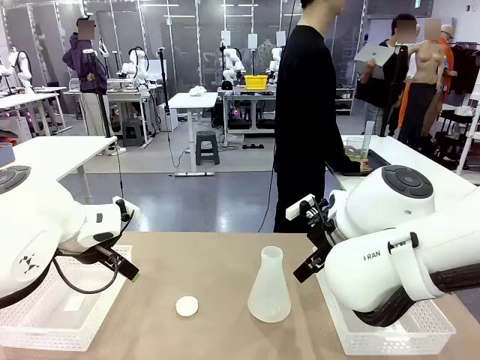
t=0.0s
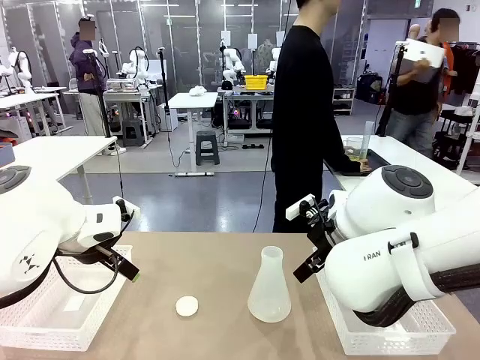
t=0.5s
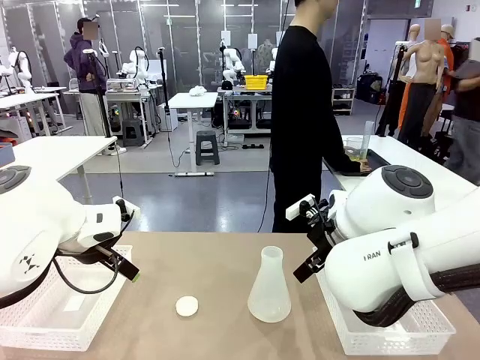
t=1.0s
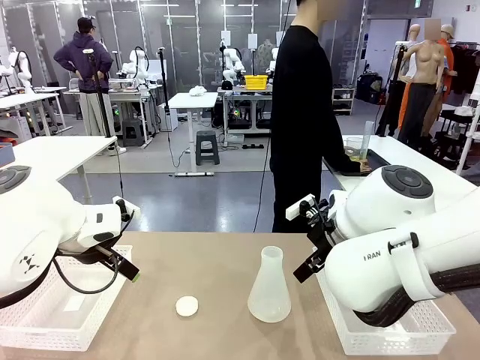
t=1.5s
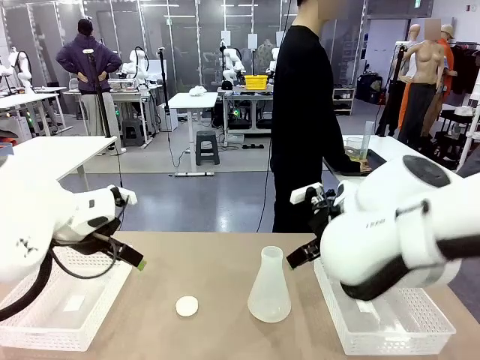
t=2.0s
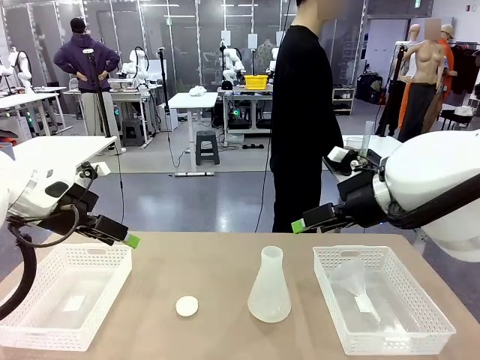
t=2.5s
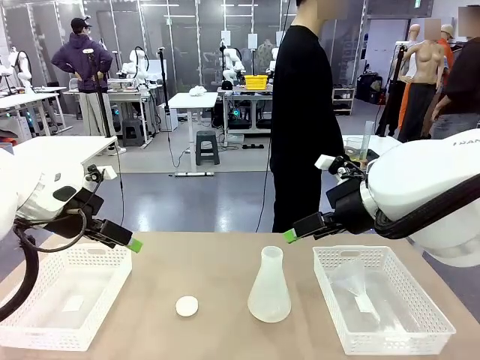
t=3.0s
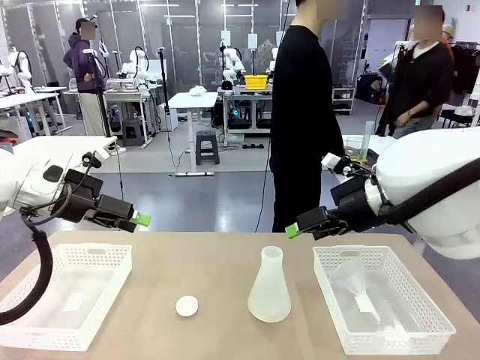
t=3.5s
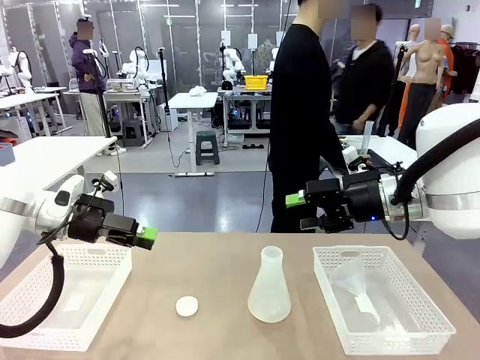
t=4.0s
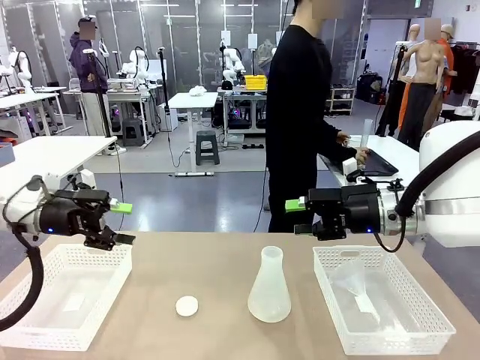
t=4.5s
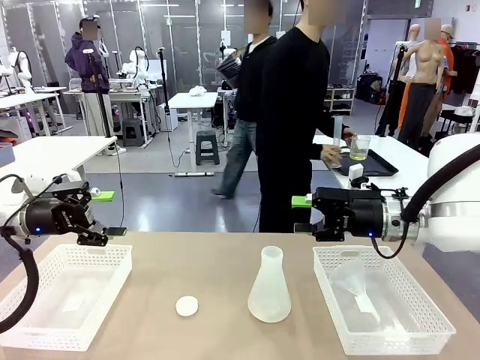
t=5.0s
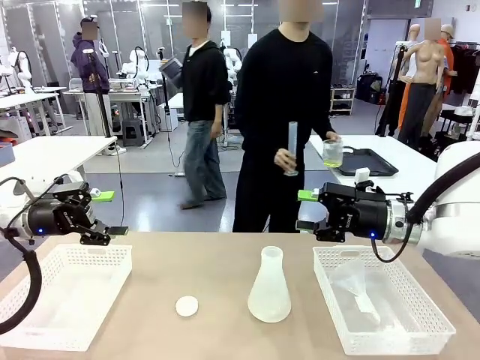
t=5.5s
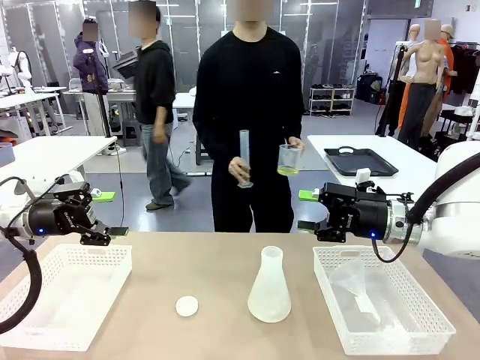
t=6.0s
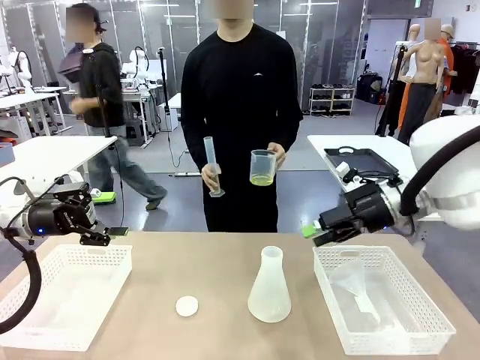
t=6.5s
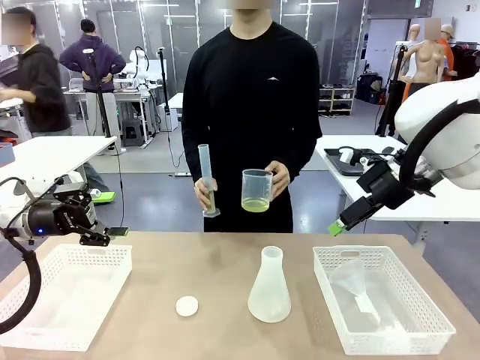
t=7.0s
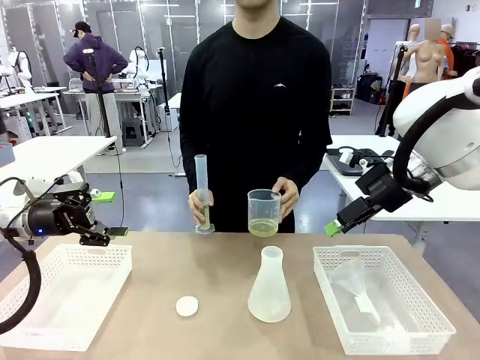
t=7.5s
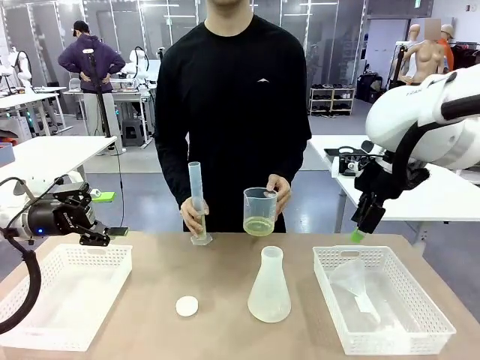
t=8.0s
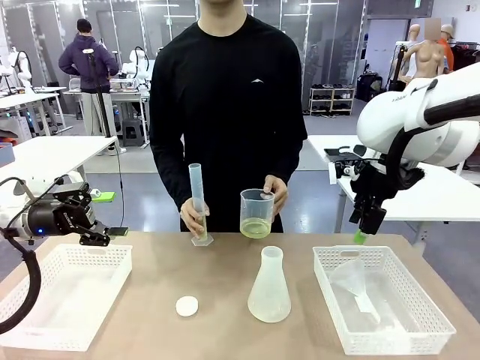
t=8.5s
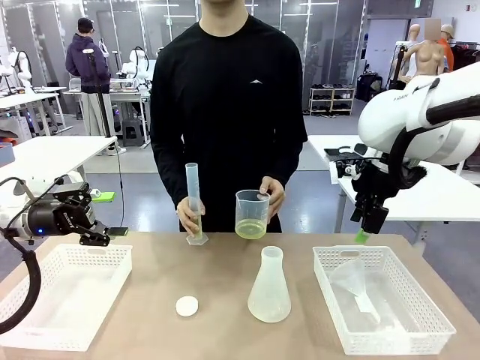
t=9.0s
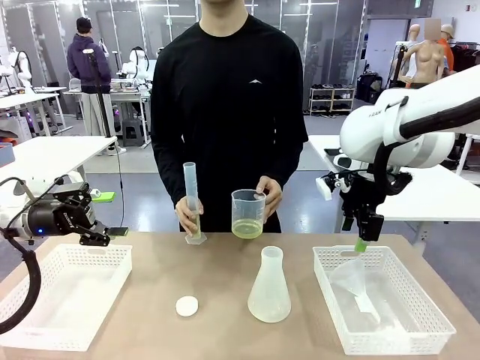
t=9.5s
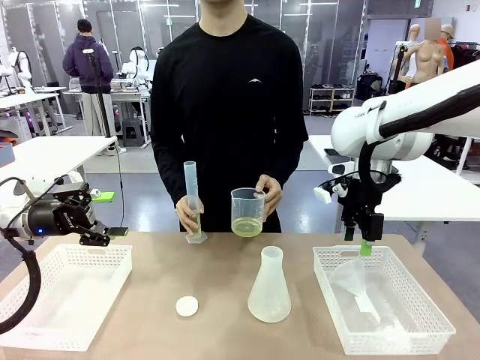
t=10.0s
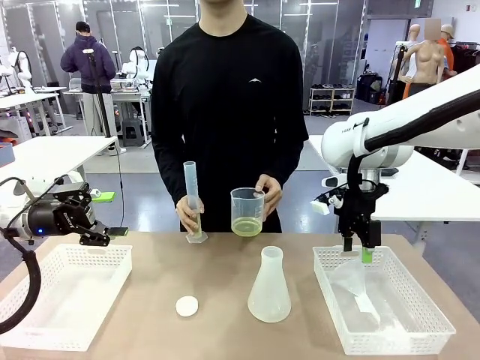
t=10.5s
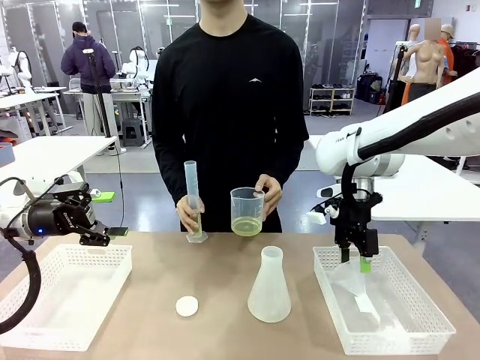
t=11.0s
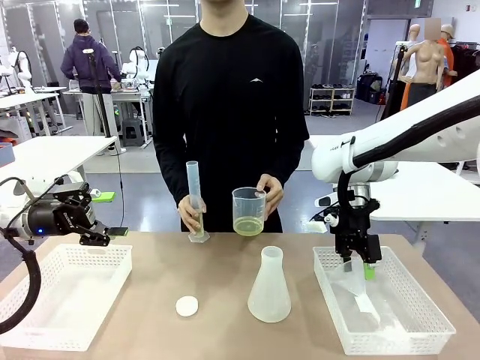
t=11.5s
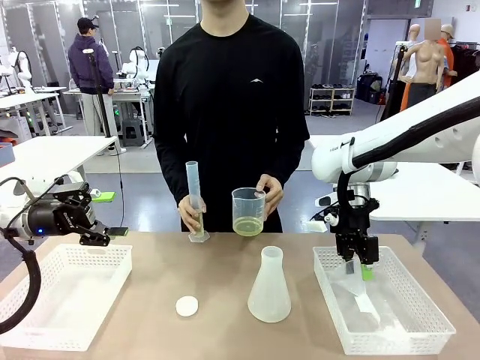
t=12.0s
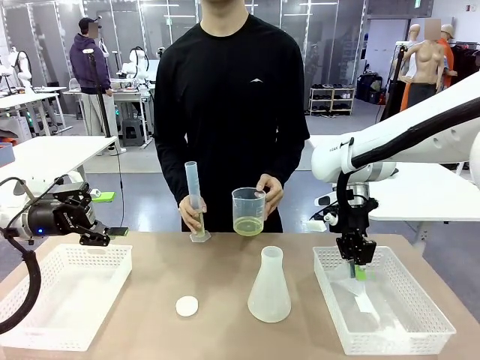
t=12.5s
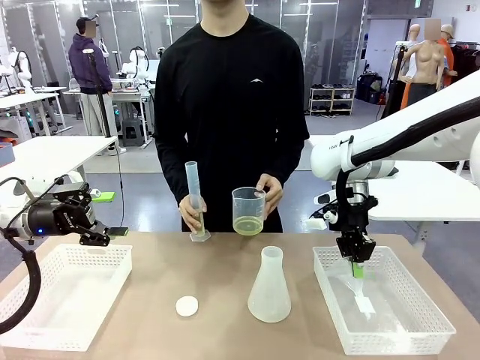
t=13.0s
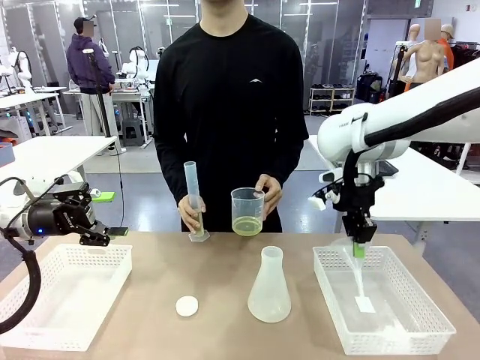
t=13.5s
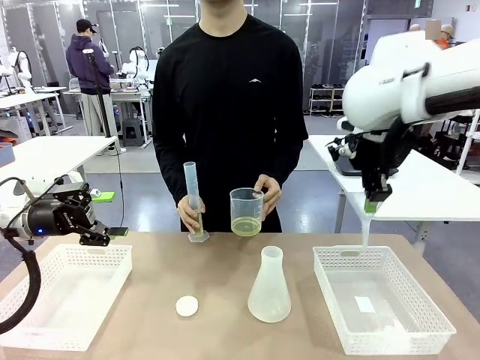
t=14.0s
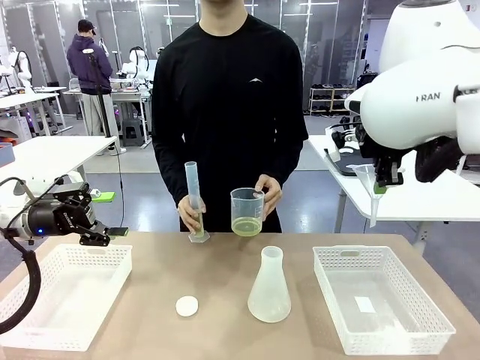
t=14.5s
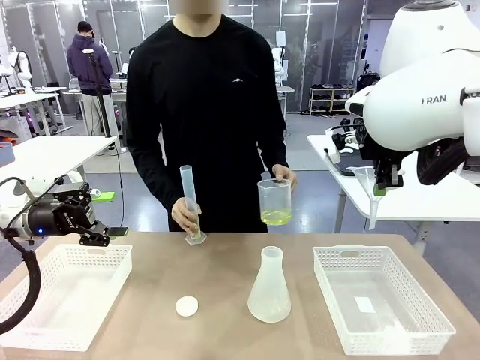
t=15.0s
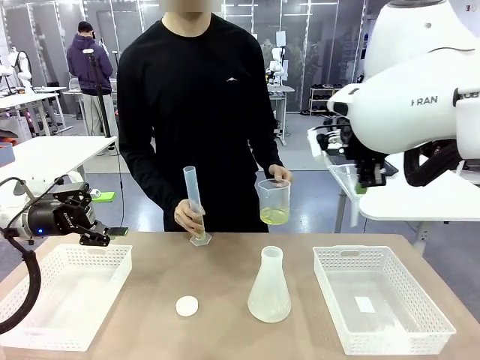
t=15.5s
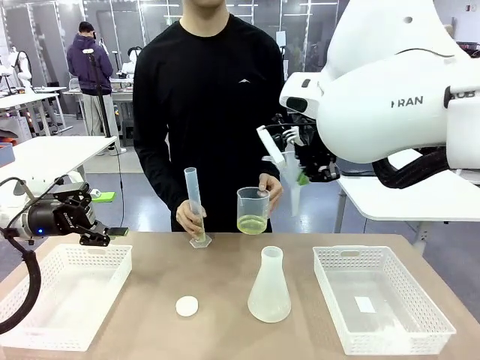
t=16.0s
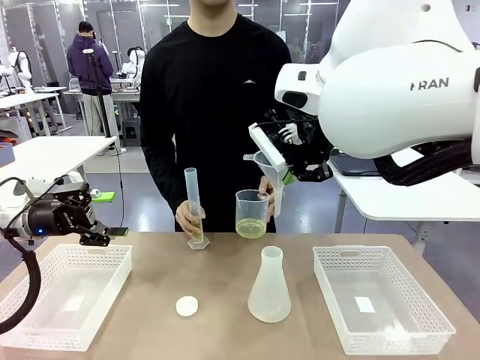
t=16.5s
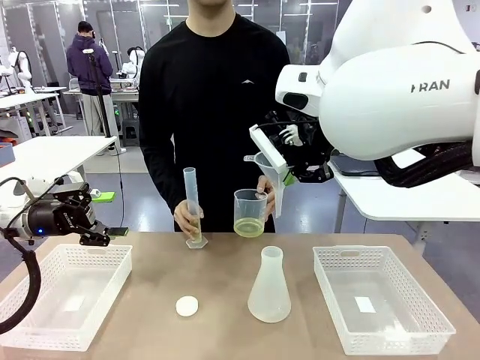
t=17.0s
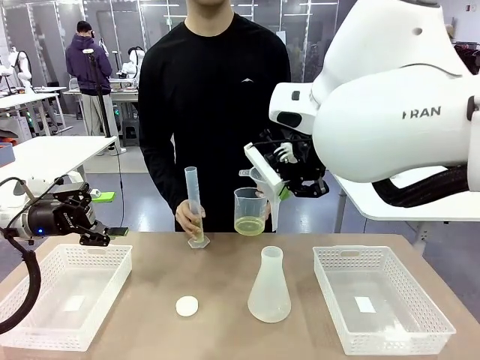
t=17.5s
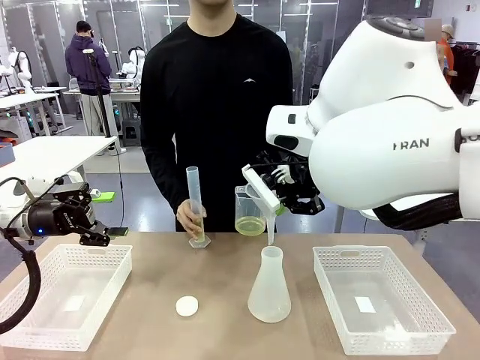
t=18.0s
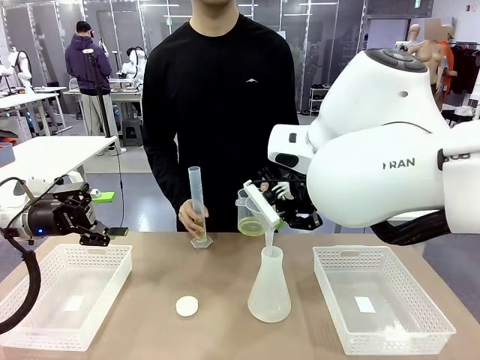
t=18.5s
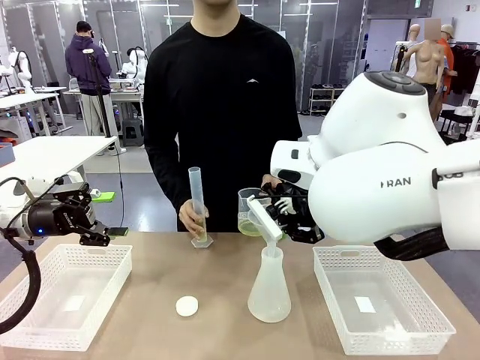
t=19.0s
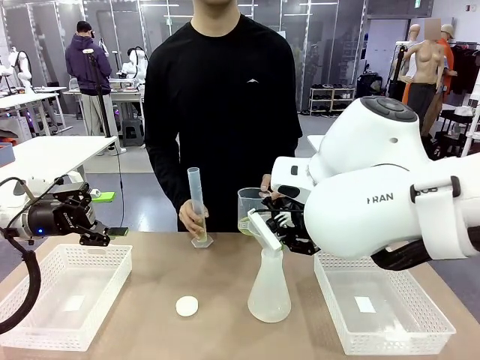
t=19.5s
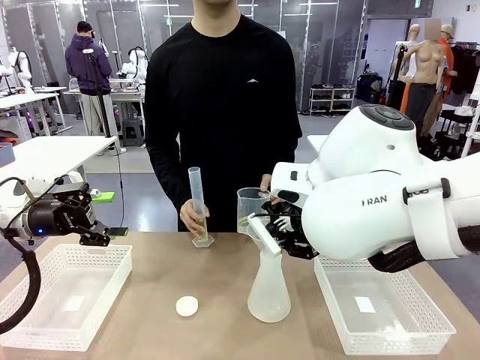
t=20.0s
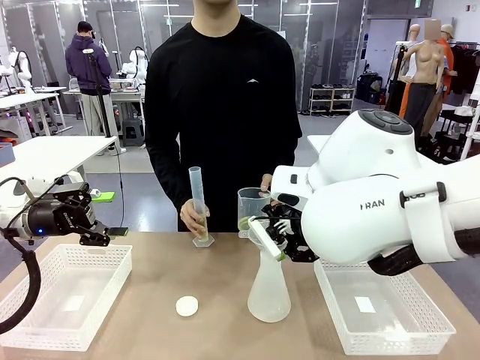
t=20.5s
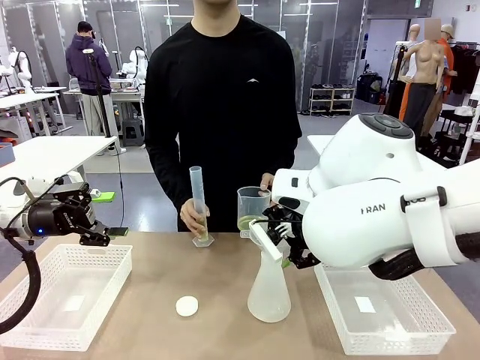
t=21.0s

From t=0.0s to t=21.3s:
Task: Prepare the solutions needed for the experiment.
Robot: Pick up the Plastic Funnel and insert it into the Big flask.
Person: Pick up the beaker and the cylinder and move to the middle of the robot table.
